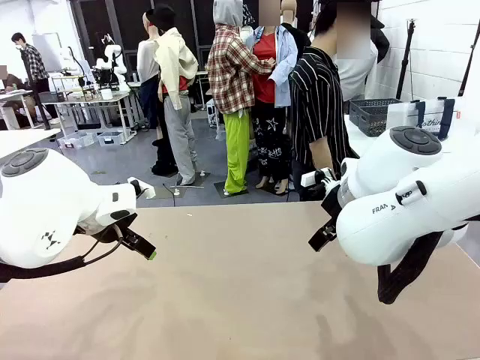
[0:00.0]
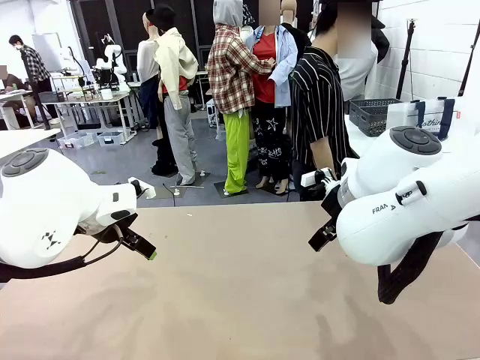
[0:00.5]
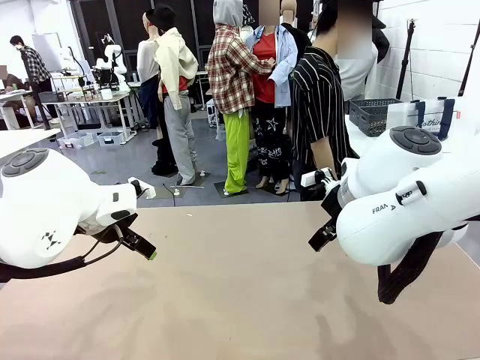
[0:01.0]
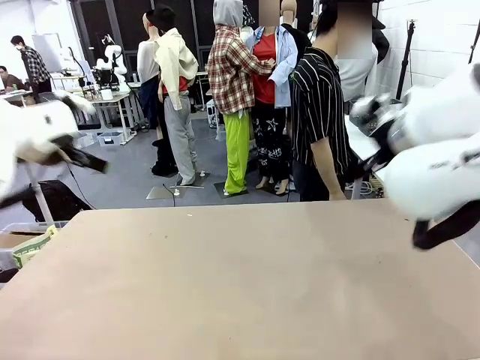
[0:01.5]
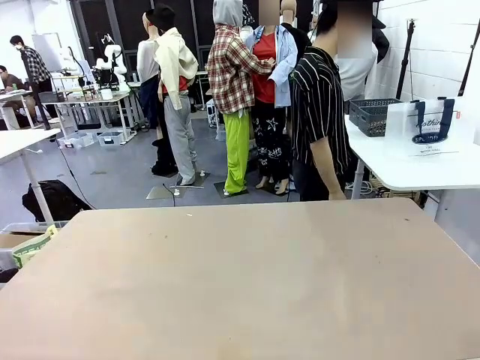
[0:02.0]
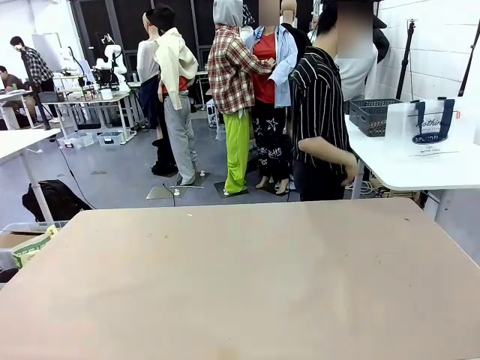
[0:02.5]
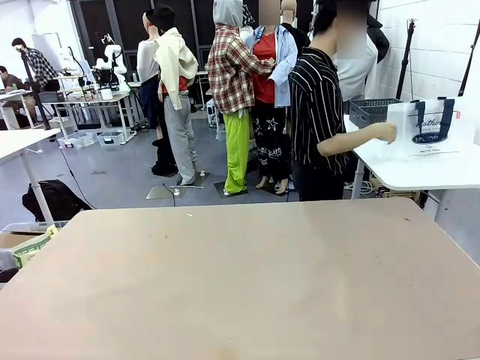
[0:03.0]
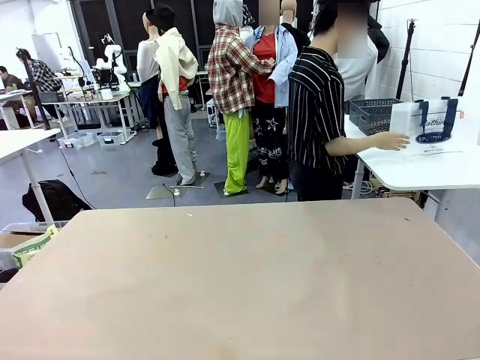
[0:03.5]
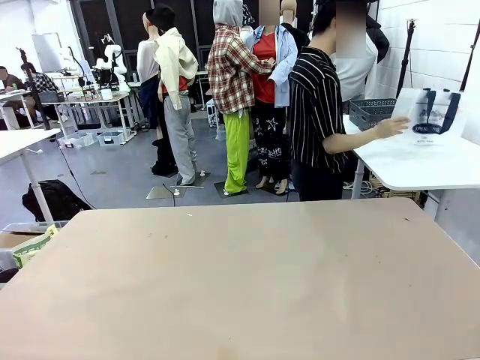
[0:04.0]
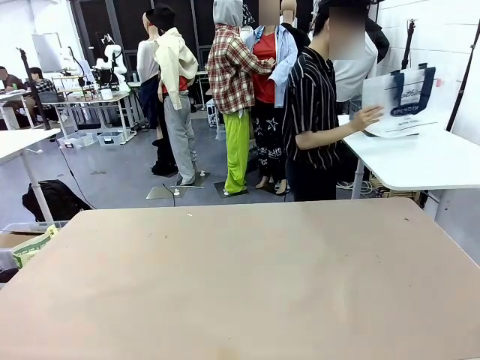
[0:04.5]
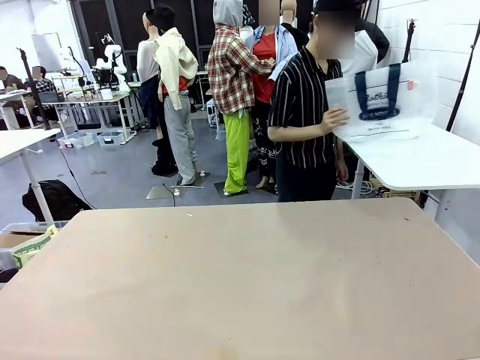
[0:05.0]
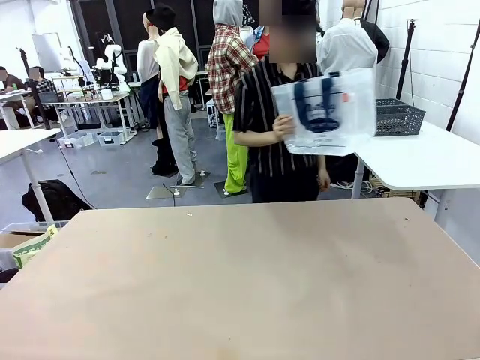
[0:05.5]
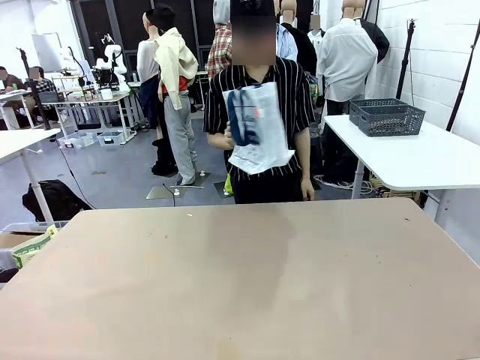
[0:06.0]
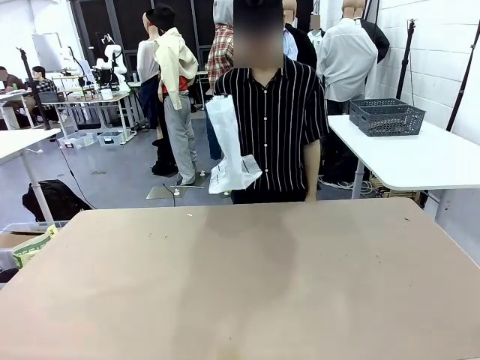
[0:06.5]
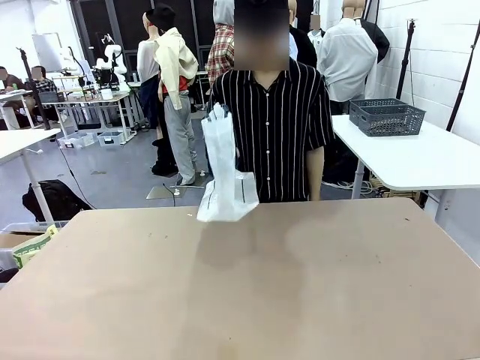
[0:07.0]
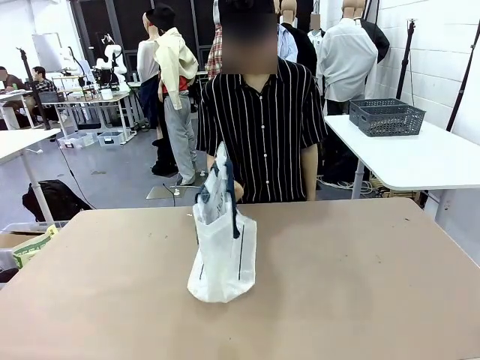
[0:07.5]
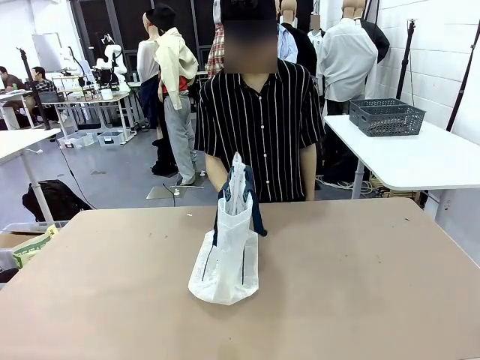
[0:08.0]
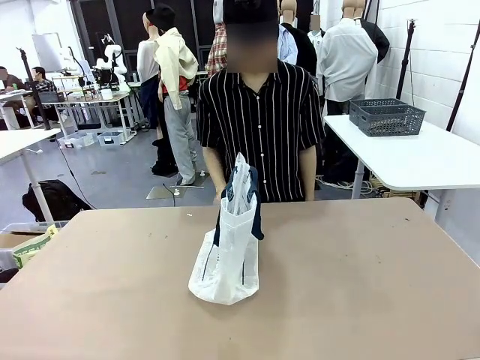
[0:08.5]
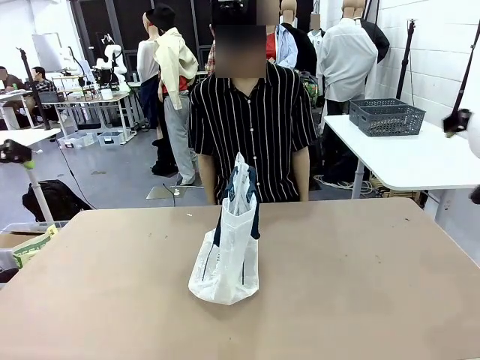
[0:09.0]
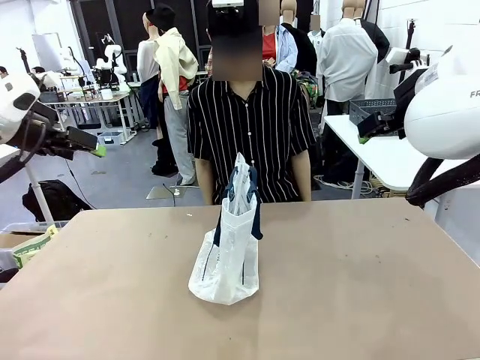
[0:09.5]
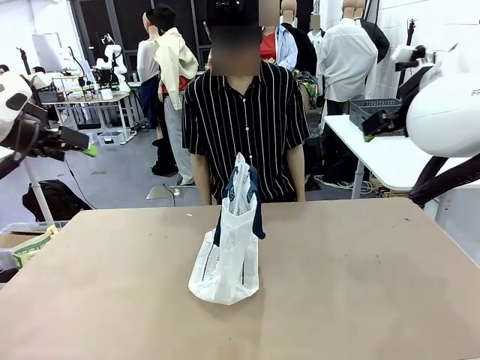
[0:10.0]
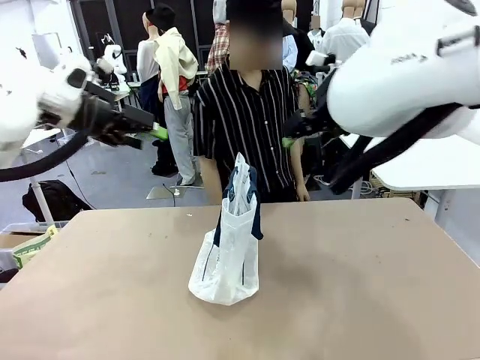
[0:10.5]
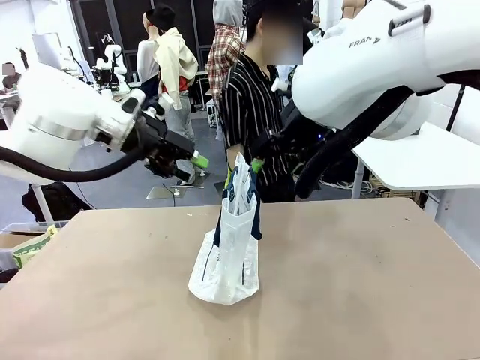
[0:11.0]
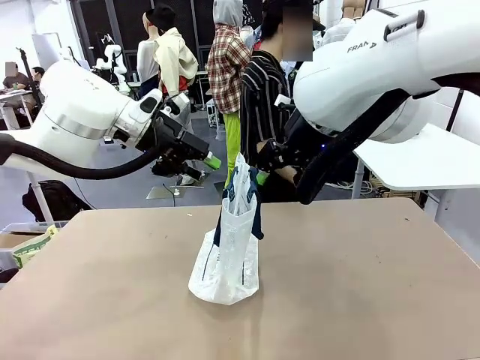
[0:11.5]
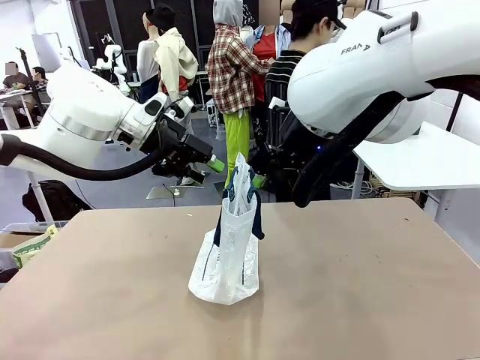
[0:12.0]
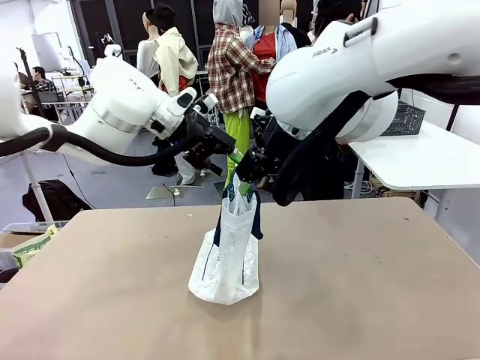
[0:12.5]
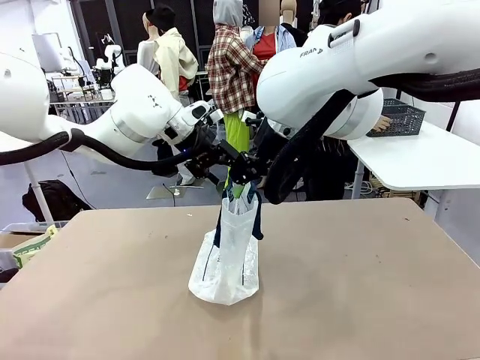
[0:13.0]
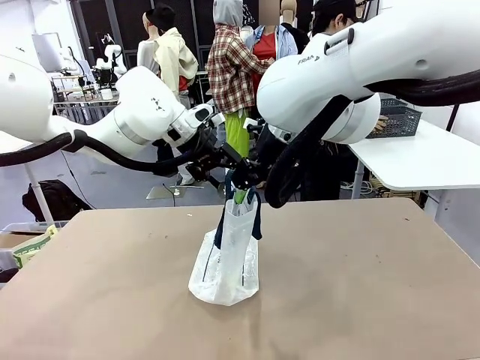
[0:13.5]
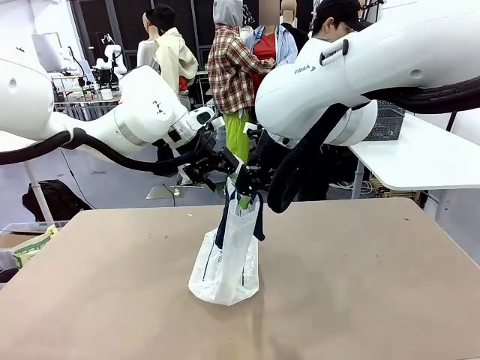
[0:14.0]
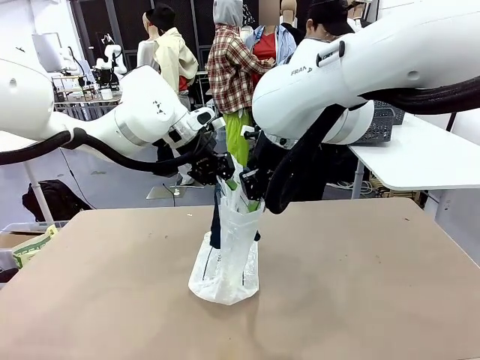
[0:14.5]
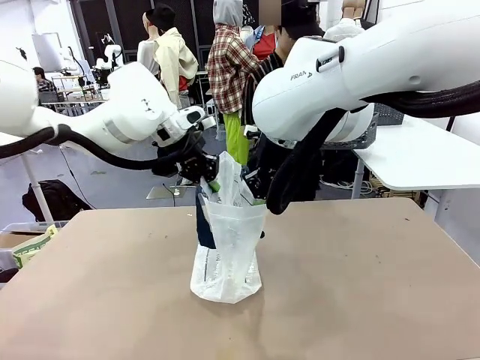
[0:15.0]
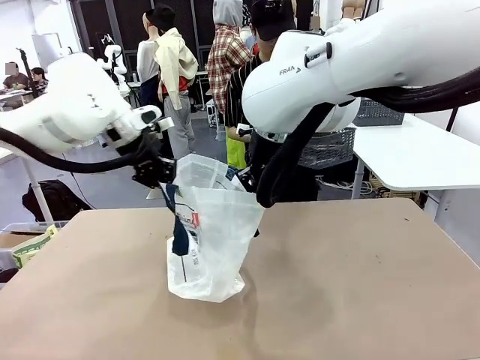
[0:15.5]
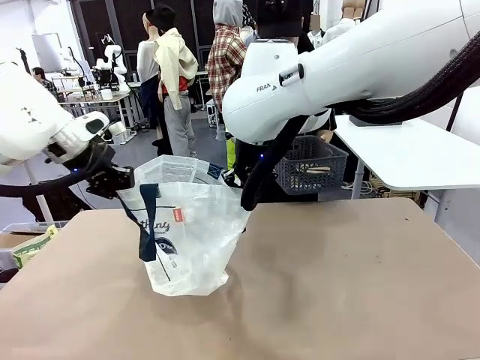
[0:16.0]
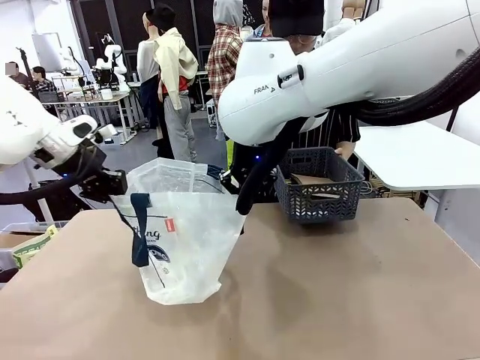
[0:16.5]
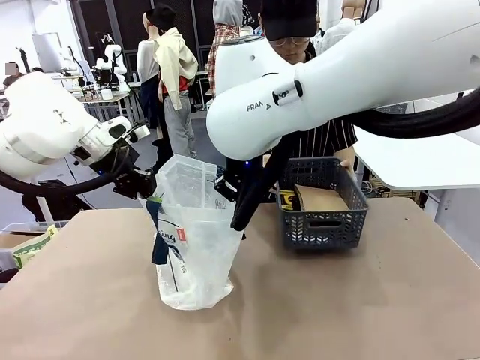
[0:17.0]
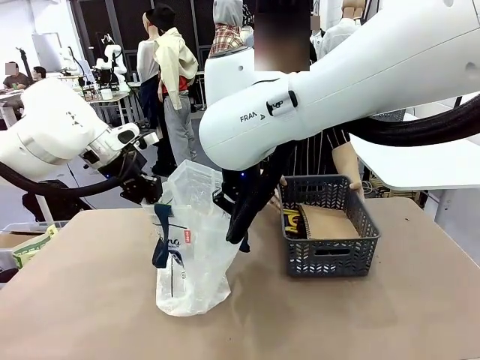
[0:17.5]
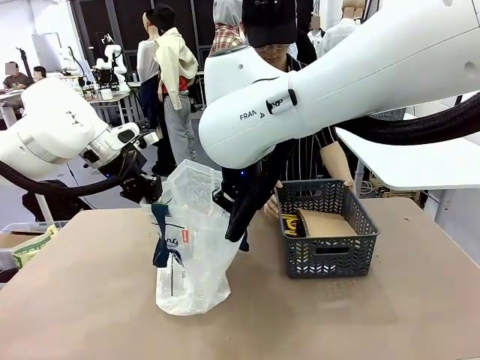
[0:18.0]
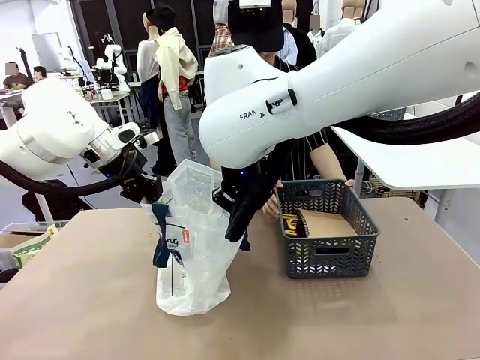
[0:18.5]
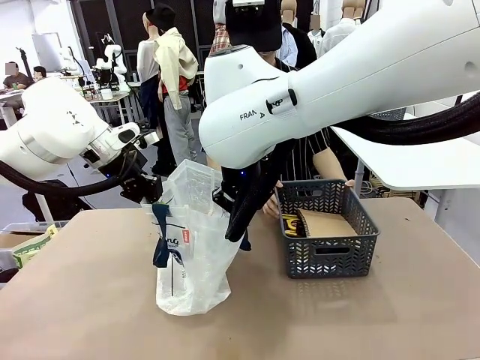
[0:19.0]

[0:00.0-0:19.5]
Task: Transfer purchased items from the store into the shopping bag.
Robot: Open the Reusable shopping bag in the center of the table.
Person: Pick up the shopping bag and place it in the middle of the robot table. Pick up the basket on the right, place it on the left side of the robot table, and move the items in the basket to the shopping bag.

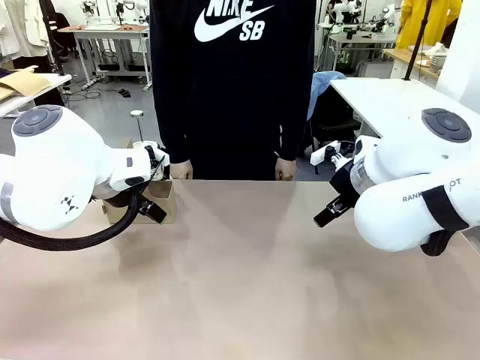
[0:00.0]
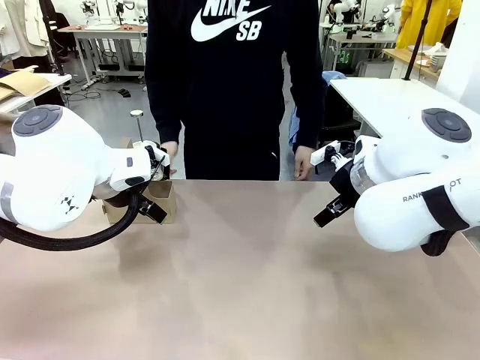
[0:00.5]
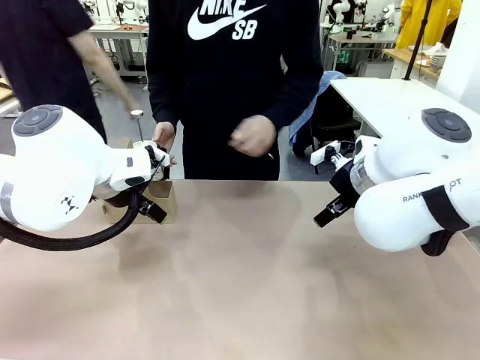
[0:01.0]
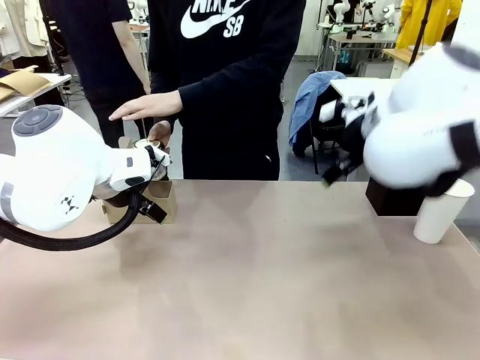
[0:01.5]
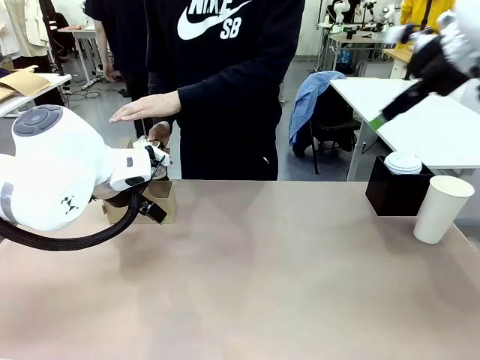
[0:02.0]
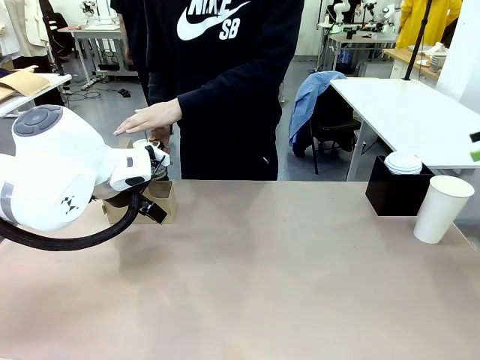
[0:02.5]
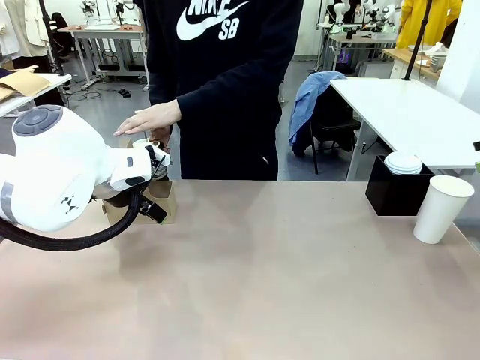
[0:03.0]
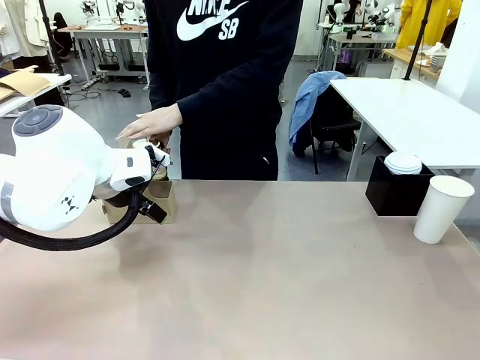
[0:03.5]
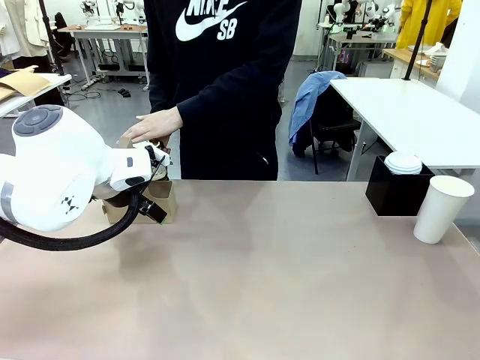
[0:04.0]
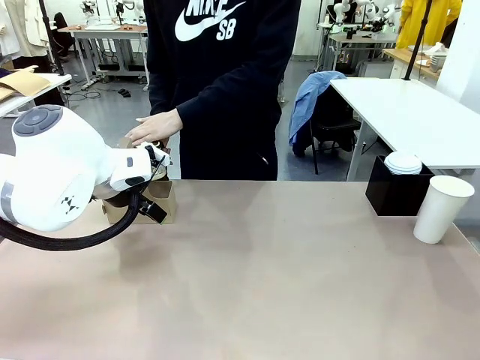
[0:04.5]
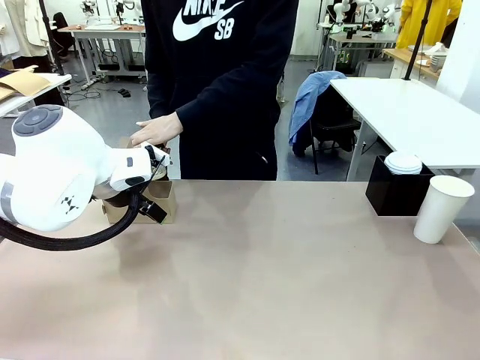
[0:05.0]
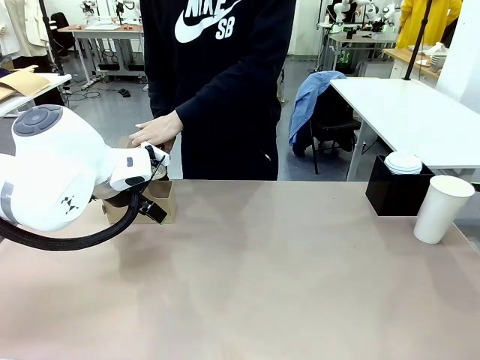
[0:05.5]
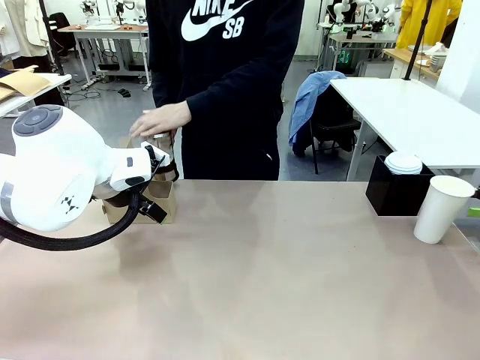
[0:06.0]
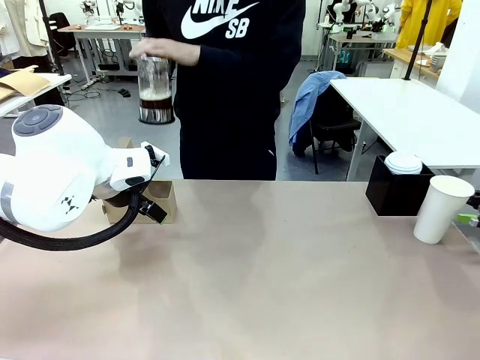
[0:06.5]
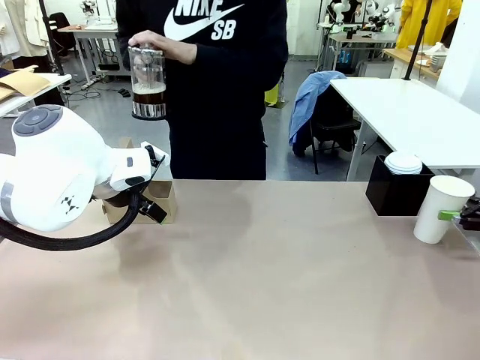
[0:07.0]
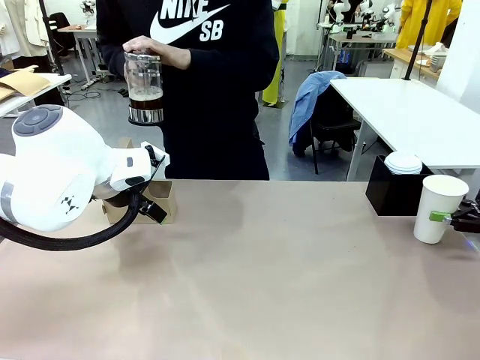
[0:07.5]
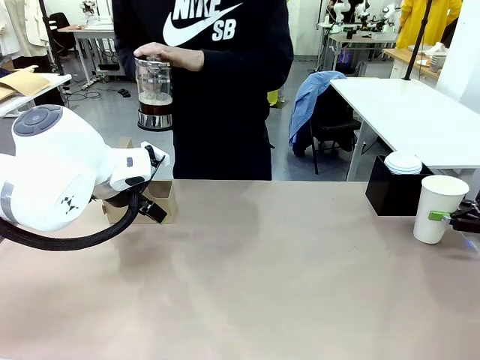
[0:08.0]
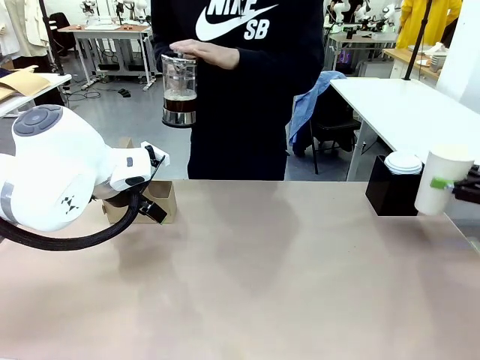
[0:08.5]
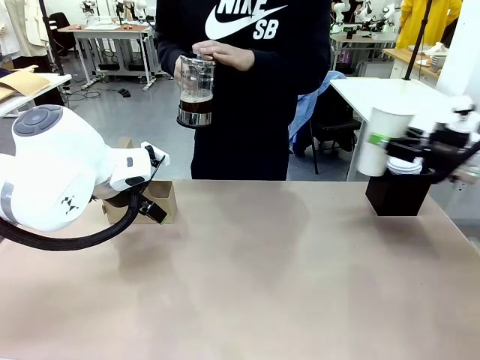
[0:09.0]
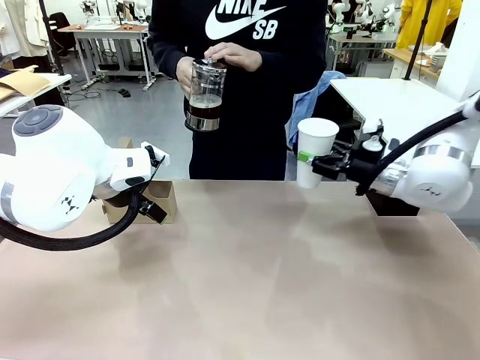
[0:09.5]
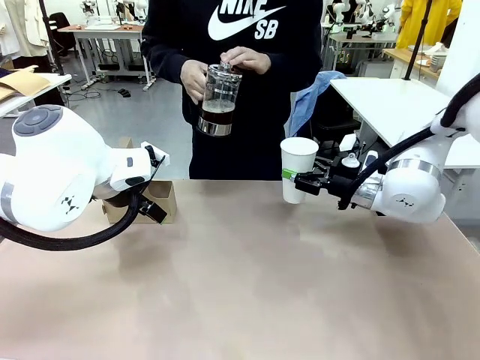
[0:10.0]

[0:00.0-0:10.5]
Task: Pour a drink into a cup and package it in a carrier.
Robot: Pick up the 600 ml Paper Cup and place it in the middle top area of the table.
Person: Press and pick up the Filter Brewing.
